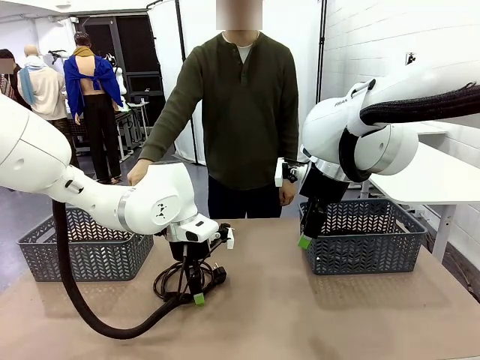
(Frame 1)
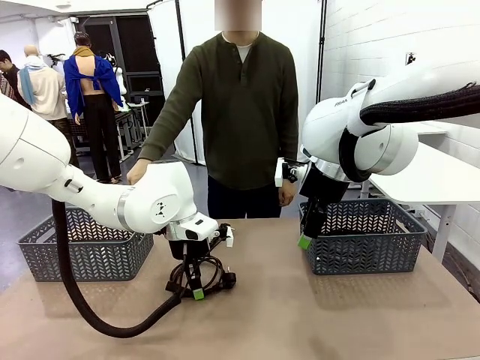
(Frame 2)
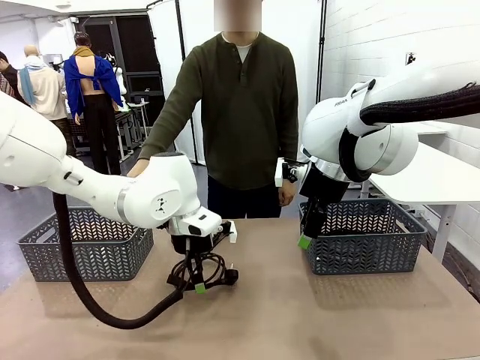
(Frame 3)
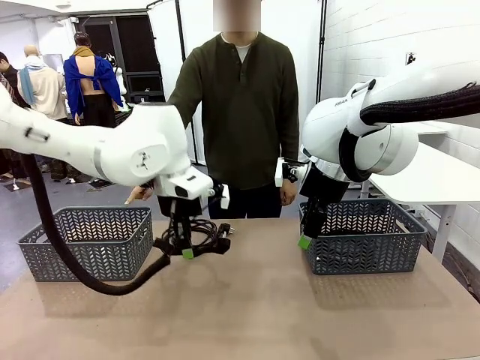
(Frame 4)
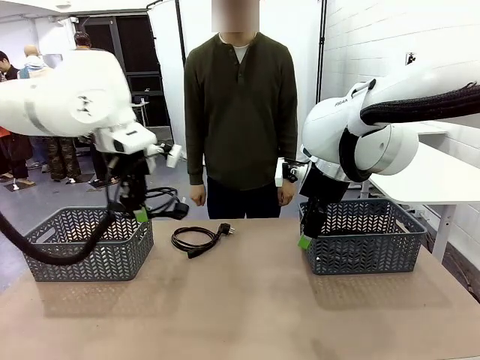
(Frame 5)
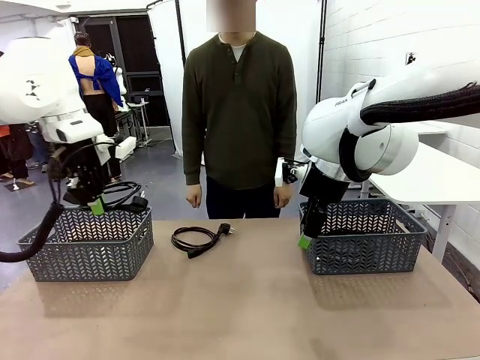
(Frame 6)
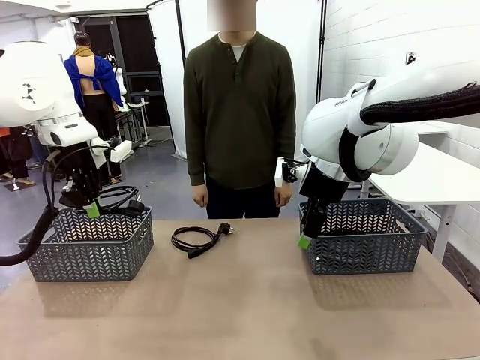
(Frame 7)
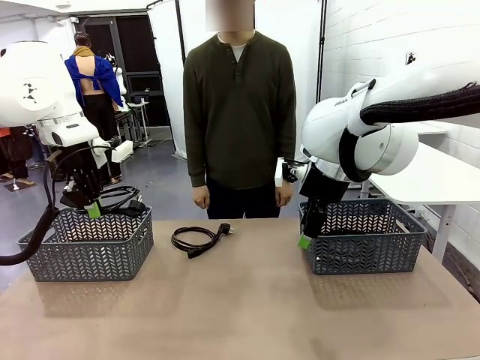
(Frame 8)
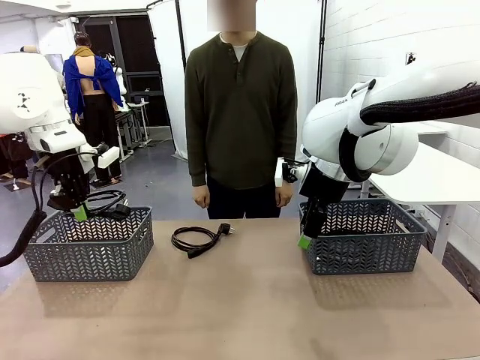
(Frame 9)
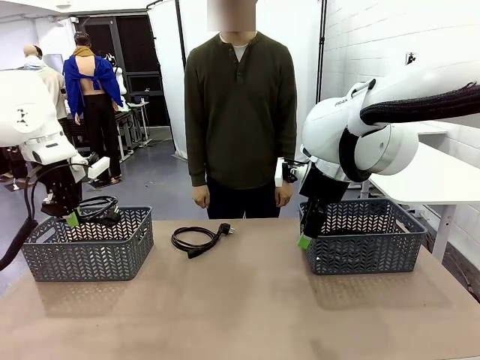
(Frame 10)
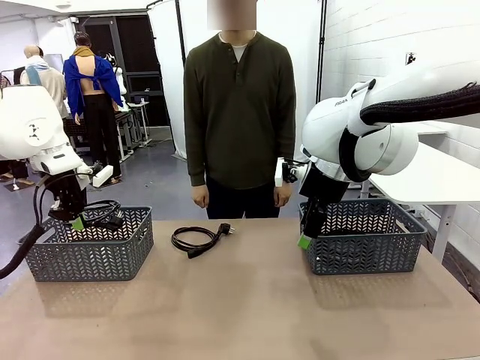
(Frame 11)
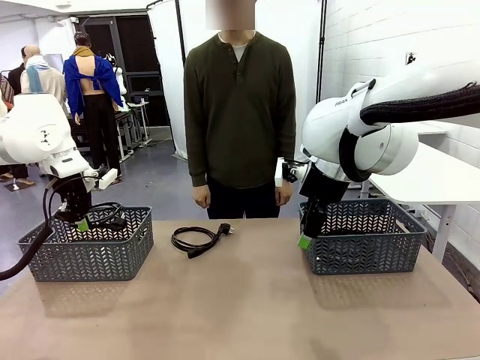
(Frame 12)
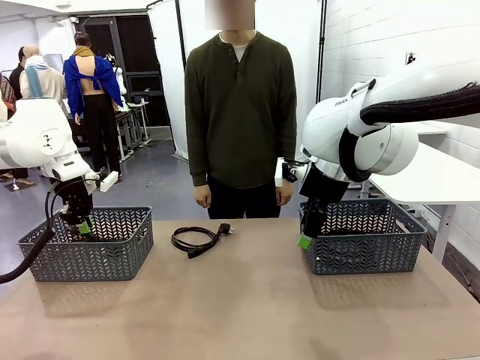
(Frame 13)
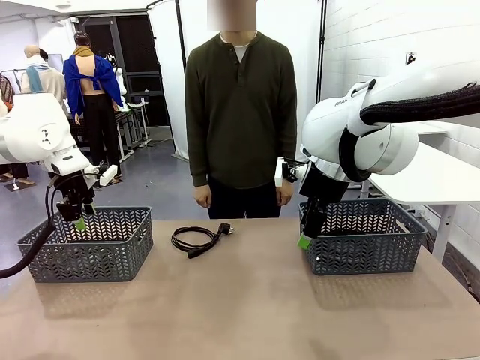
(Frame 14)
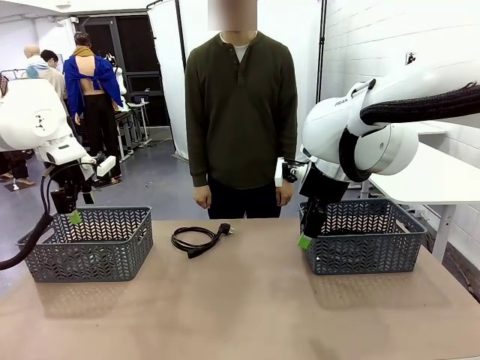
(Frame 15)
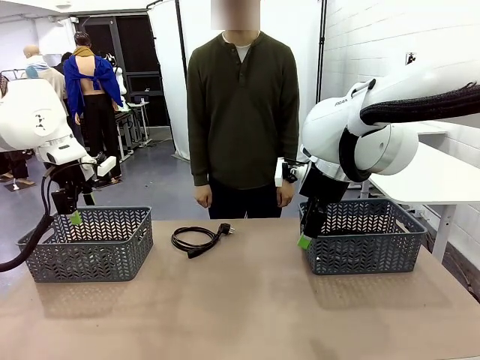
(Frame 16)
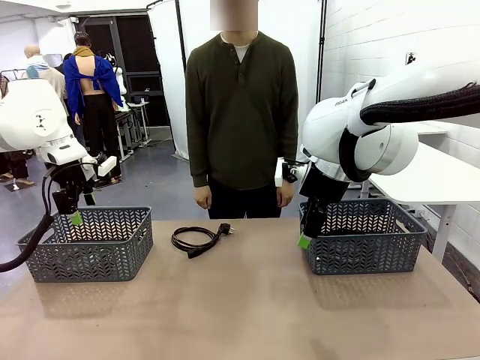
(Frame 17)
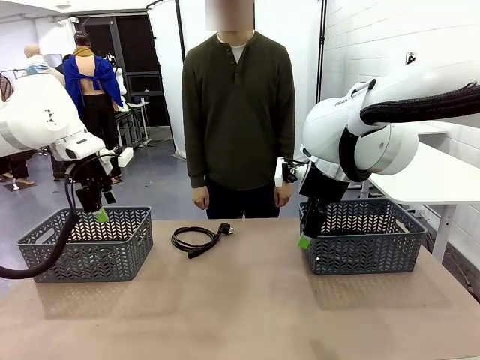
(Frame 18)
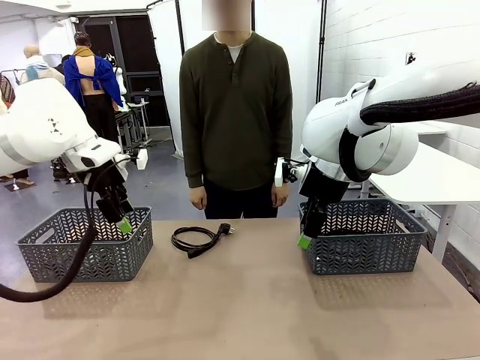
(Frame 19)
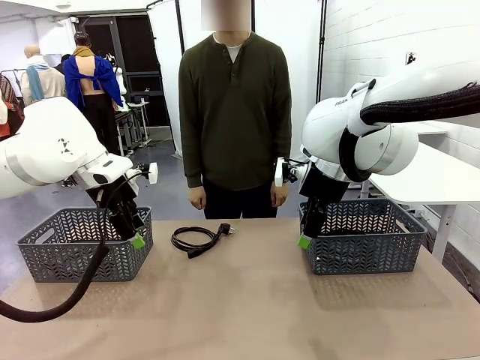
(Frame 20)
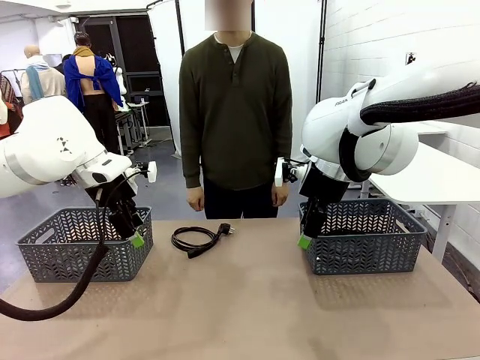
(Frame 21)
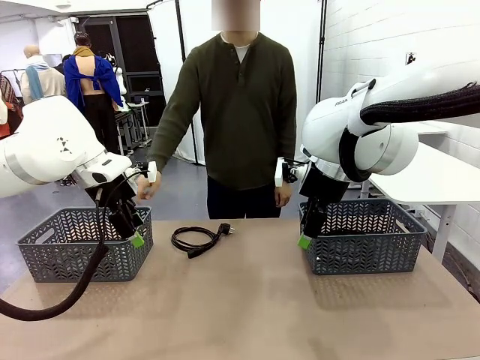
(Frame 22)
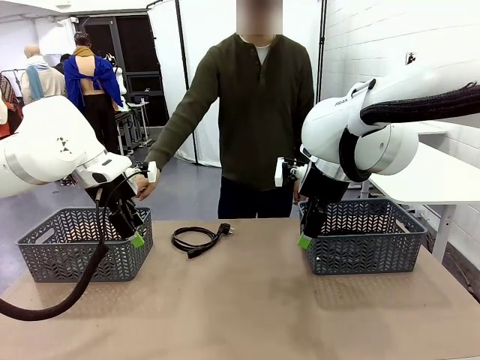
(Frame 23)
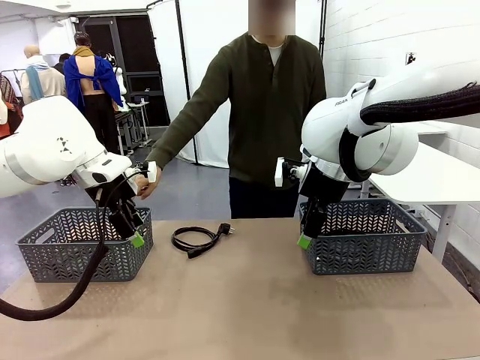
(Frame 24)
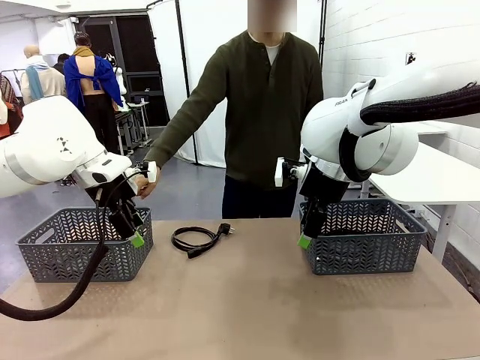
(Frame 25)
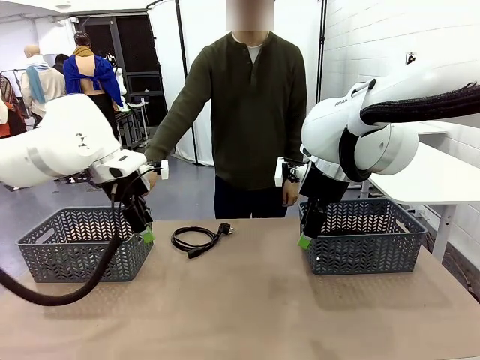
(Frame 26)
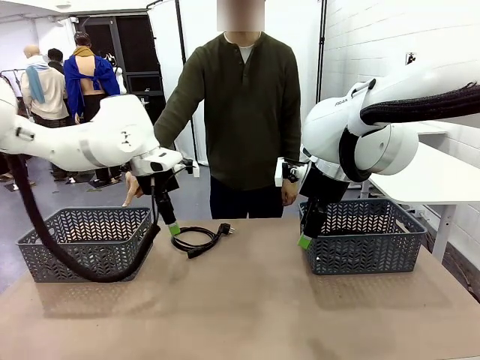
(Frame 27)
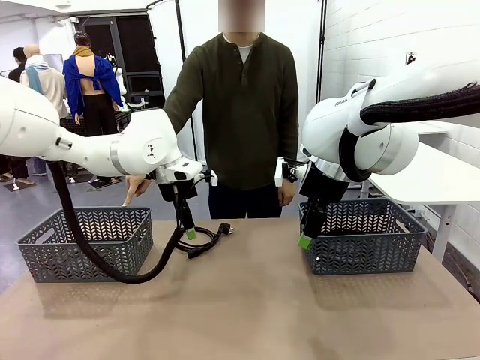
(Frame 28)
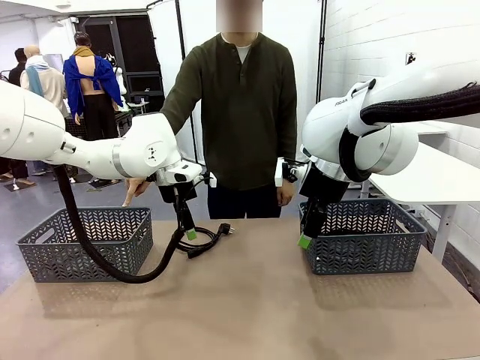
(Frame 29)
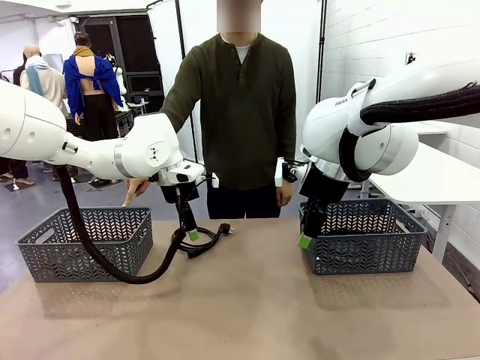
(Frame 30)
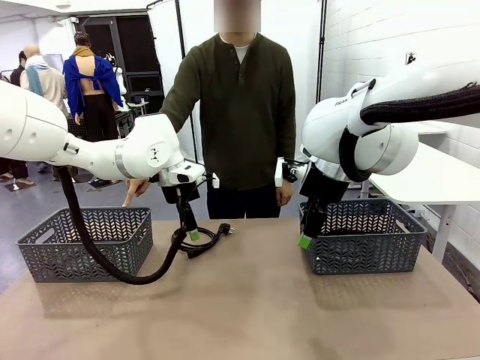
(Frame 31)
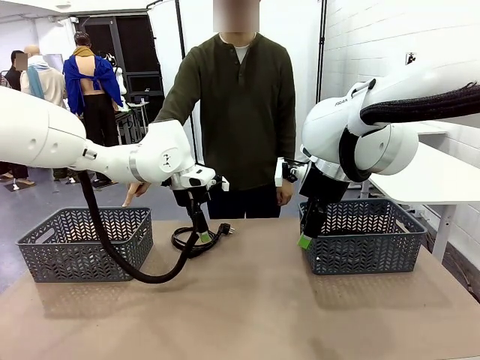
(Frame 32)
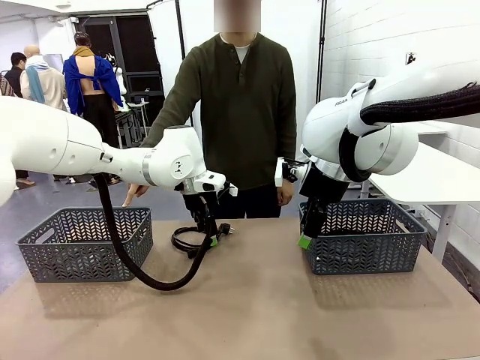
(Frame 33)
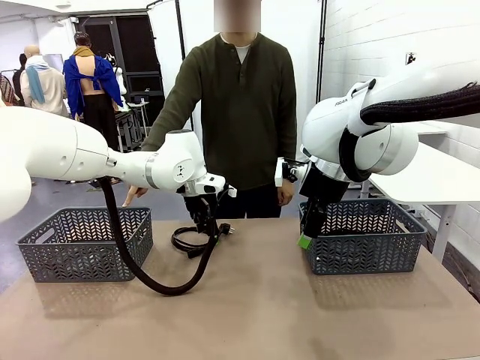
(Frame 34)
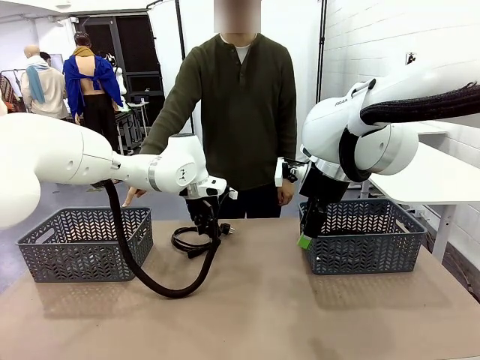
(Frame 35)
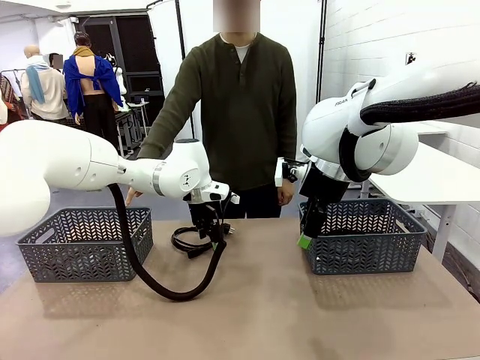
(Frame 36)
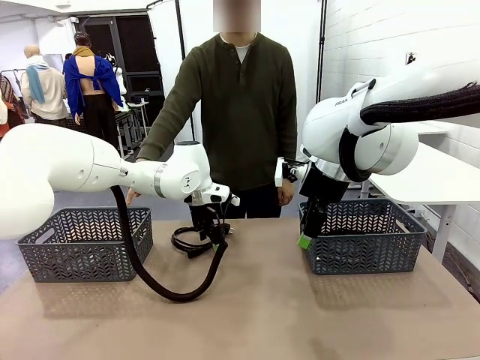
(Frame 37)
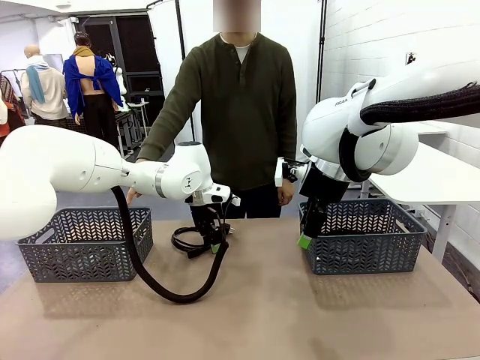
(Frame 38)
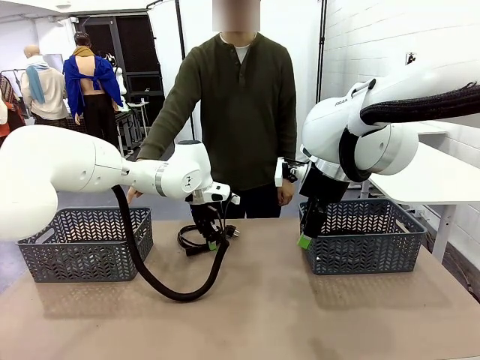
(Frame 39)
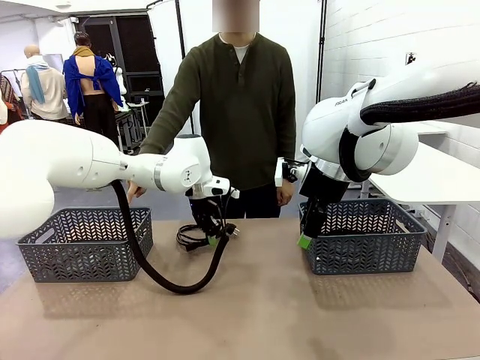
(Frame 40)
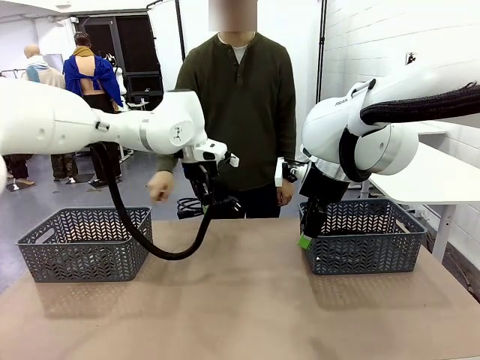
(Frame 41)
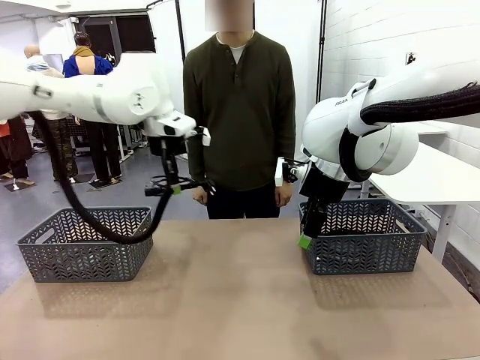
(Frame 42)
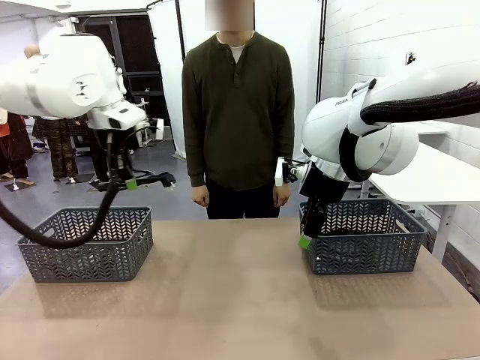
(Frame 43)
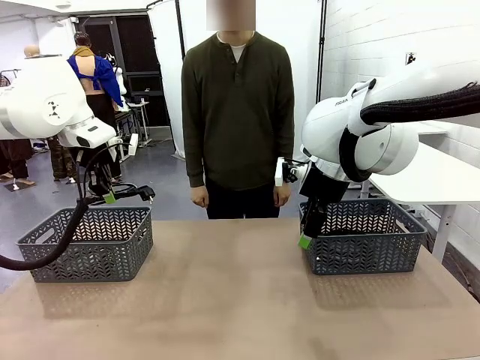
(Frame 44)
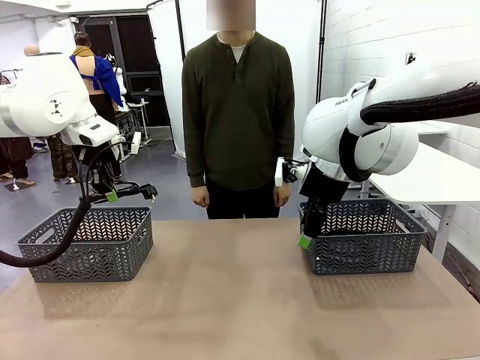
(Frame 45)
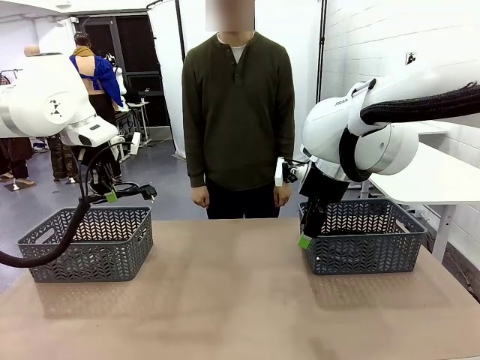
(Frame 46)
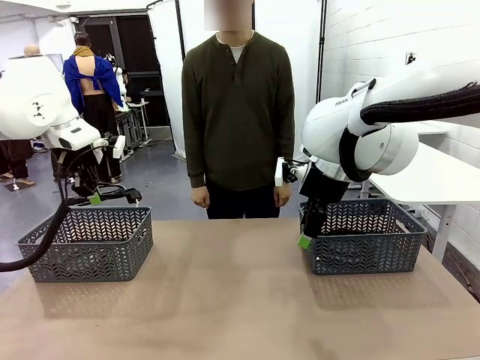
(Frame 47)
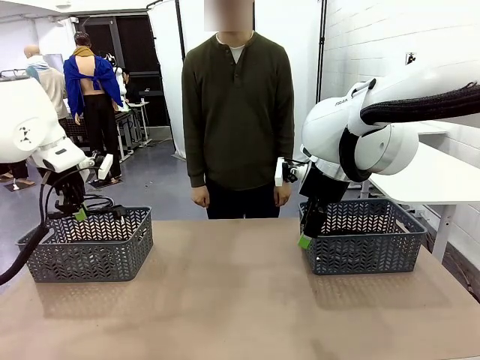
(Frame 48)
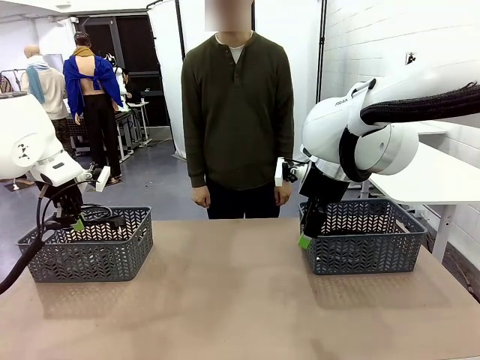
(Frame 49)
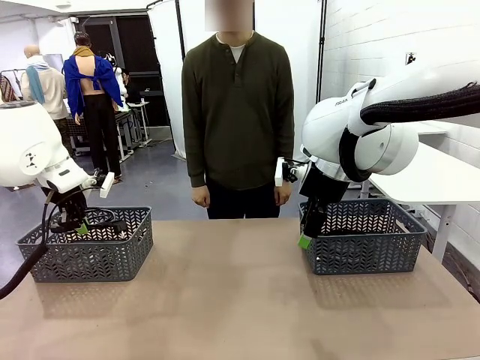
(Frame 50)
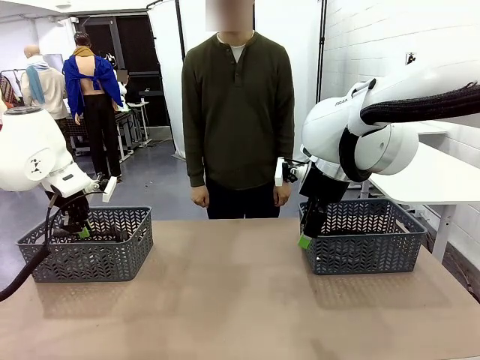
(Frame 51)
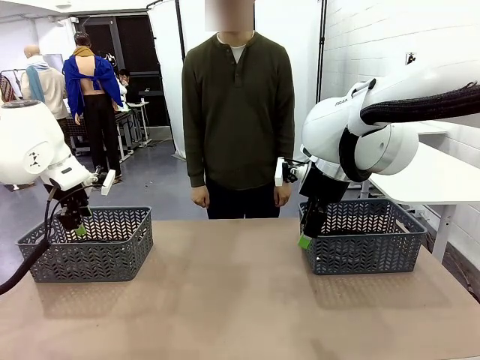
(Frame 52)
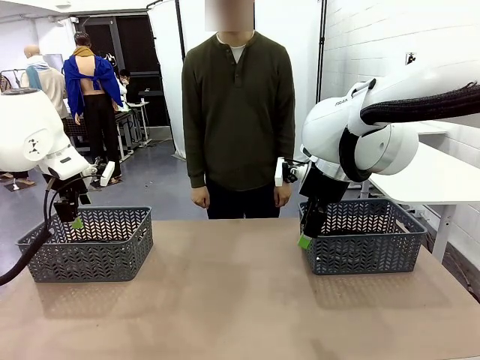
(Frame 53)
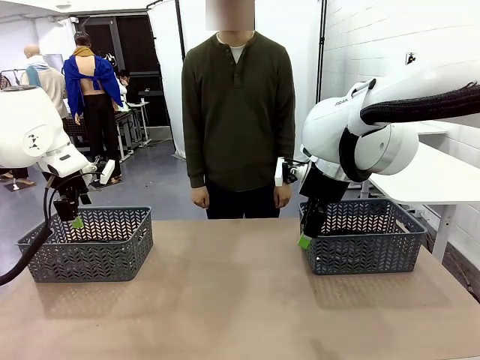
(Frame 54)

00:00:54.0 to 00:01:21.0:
Task: Organize the cables according to human instructions.
Robot: Pick up a bundle of cables and place it in the basket indicated by the human.
